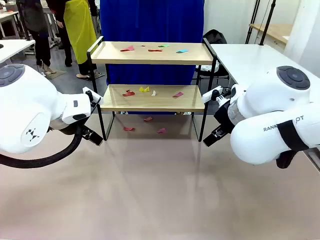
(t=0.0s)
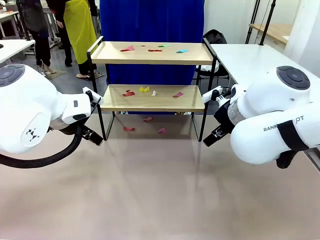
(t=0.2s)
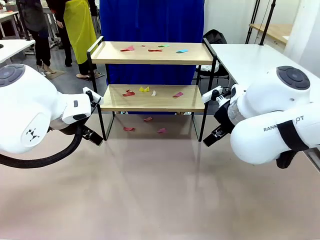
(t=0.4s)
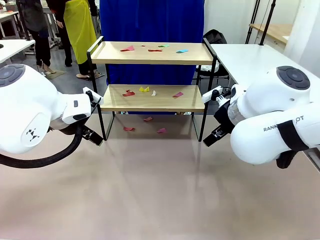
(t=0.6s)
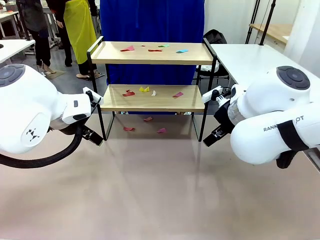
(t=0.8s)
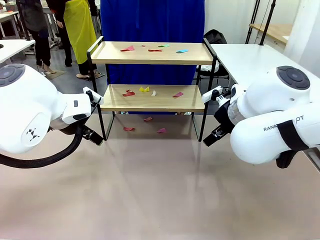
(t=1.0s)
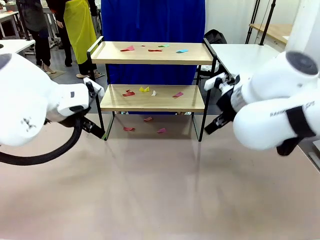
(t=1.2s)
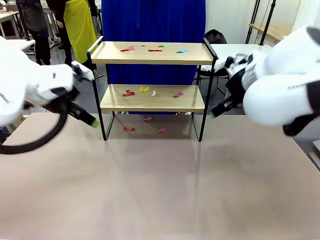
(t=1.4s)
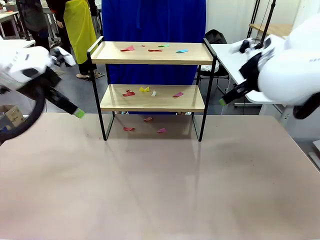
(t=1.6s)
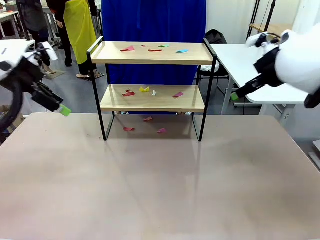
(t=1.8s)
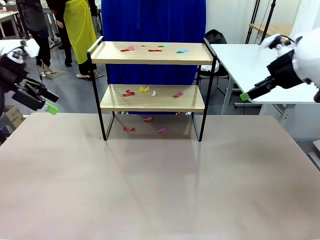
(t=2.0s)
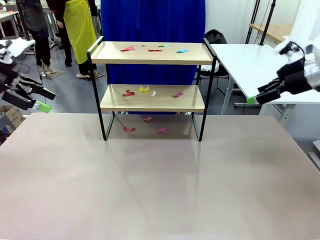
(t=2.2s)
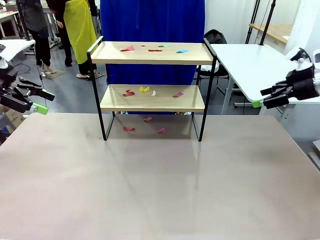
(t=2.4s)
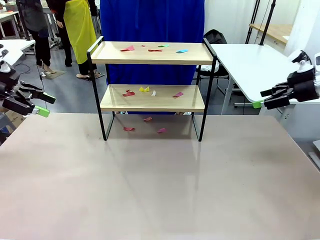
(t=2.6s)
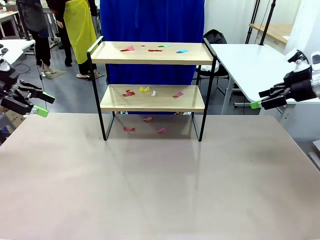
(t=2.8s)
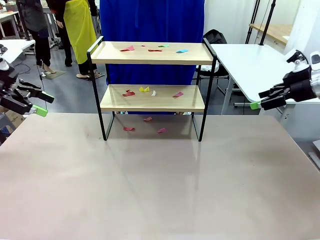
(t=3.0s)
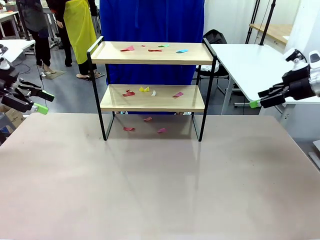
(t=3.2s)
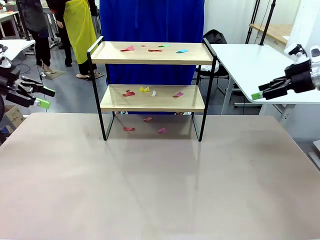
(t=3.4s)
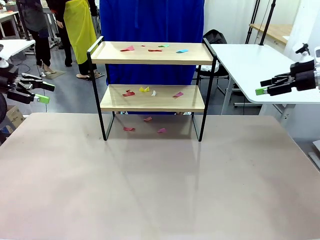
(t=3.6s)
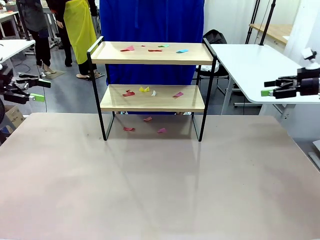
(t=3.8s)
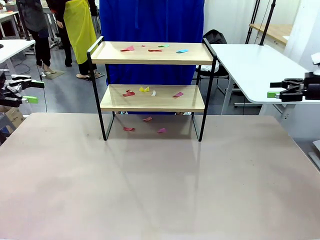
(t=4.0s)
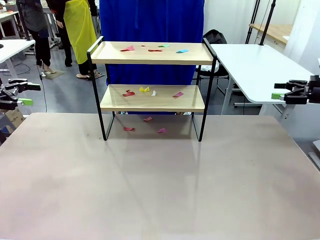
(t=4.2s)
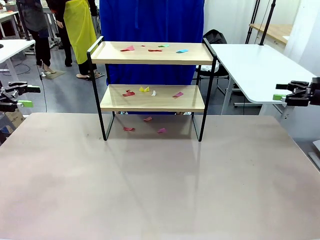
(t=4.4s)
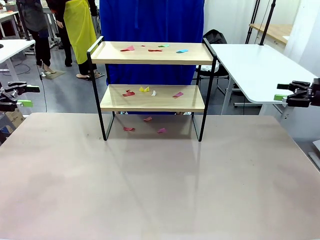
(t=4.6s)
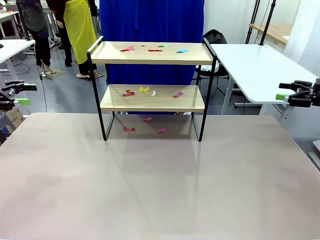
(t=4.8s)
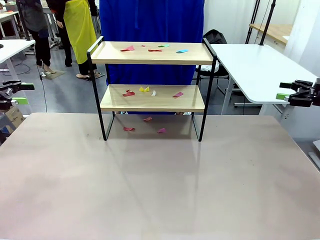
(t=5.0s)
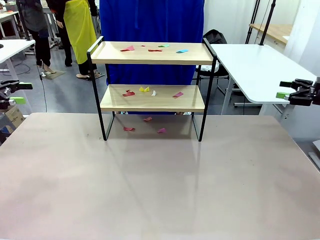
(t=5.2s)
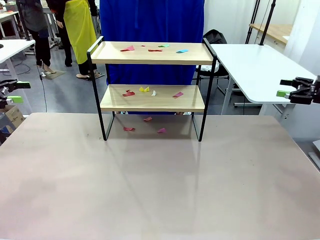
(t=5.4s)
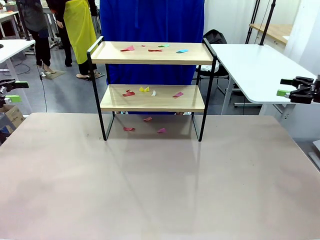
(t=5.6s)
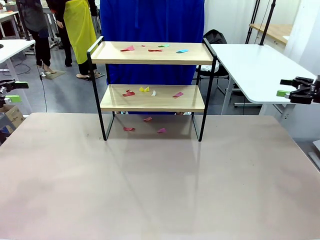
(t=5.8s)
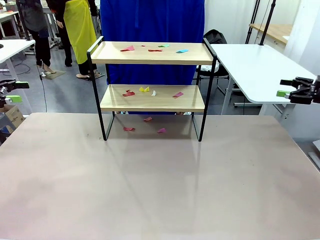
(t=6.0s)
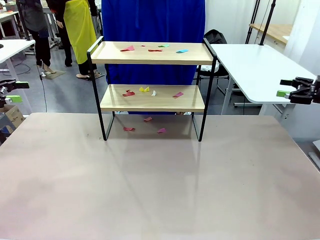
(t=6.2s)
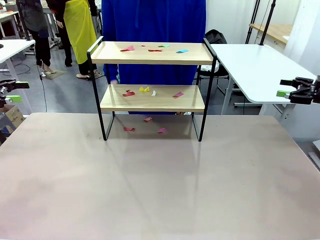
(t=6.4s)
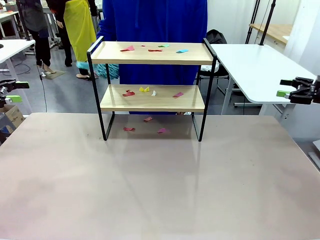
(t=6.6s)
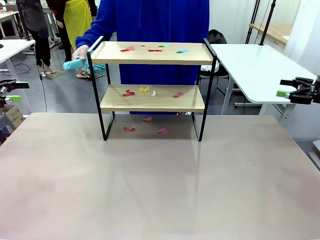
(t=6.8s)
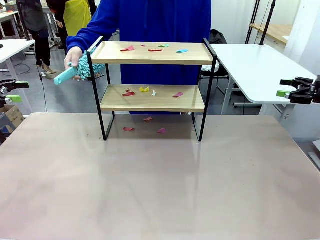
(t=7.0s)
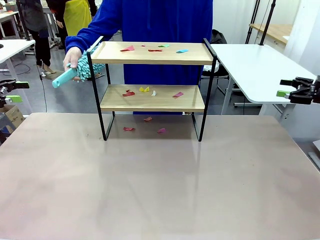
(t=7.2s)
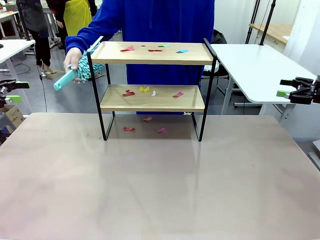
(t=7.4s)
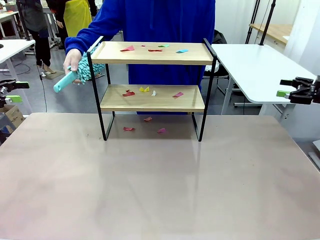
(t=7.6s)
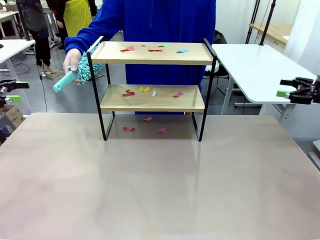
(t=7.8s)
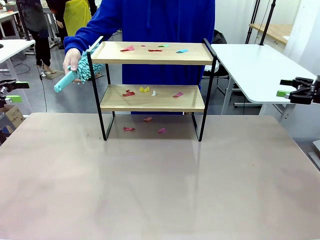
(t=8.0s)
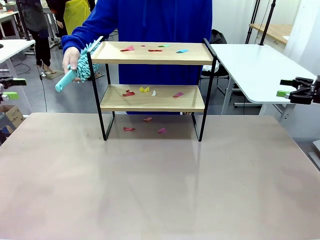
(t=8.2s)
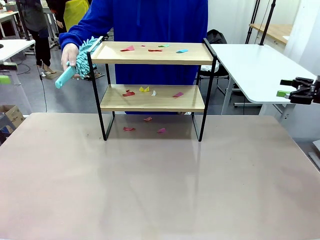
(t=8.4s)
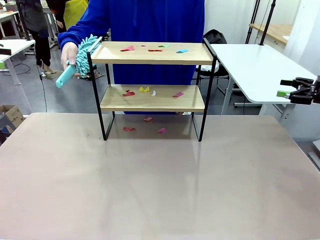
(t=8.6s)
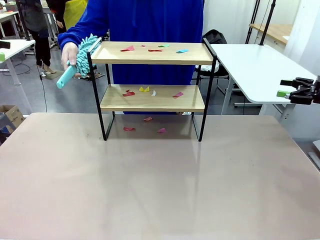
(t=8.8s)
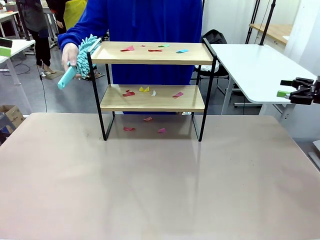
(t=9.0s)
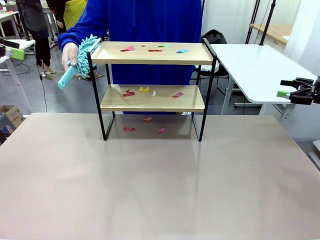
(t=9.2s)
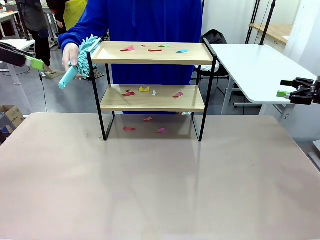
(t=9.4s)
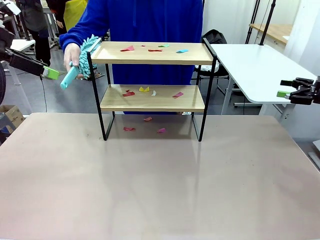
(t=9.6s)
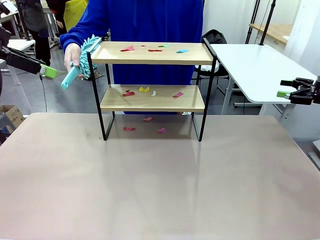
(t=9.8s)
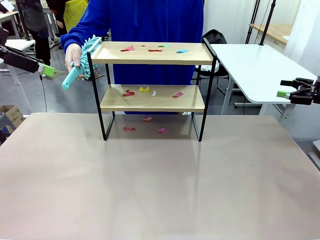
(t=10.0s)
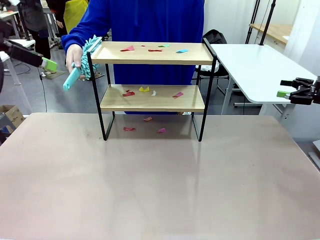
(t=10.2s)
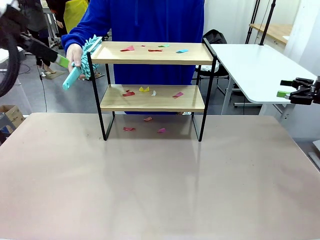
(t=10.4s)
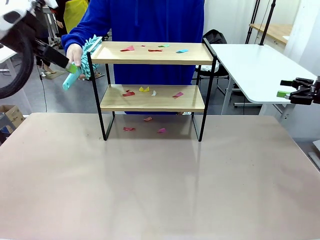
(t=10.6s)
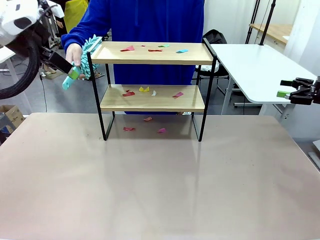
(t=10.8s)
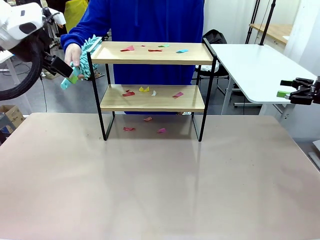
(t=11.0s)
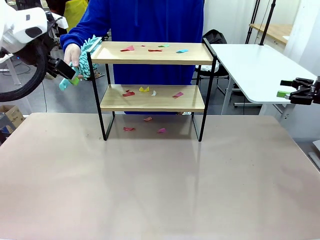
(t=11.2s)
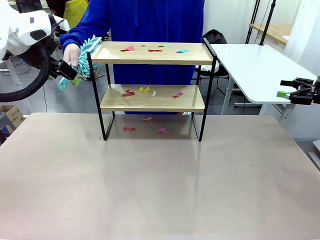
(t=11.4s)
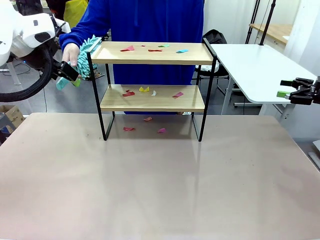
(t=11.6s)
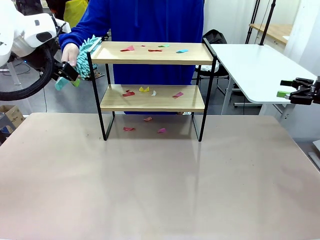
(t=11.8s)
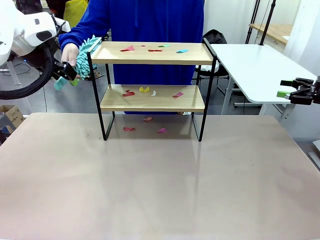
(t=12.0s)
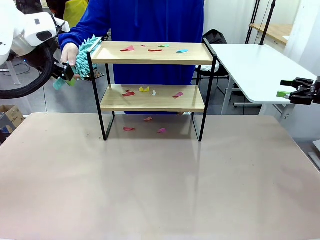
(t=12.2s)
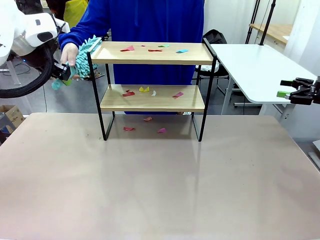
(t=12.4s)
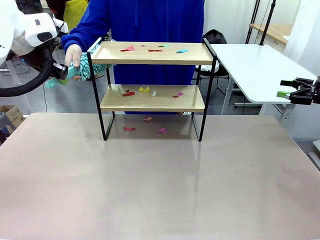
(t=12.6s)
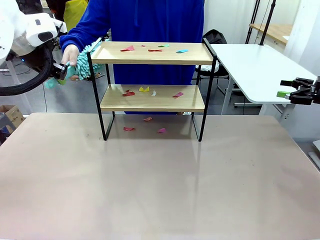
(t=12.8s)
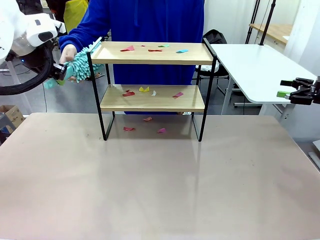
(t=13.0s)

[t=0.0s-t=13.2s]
Task: Clean the shelf.
Robot: Pick up the Duster handed by the human.
Person: Hand the Duster to the robot.

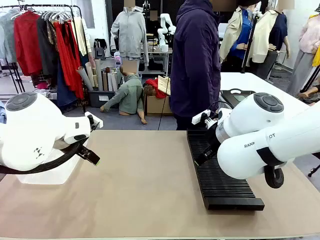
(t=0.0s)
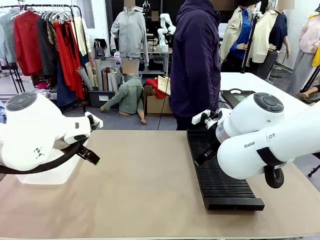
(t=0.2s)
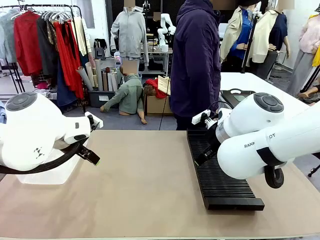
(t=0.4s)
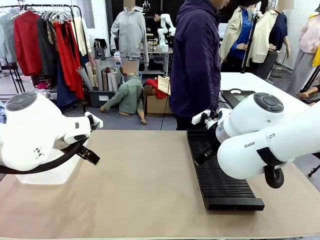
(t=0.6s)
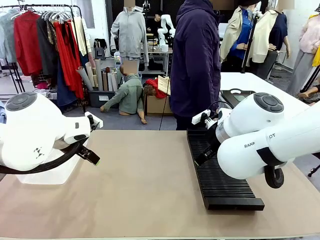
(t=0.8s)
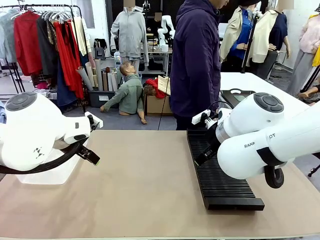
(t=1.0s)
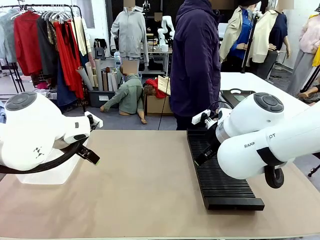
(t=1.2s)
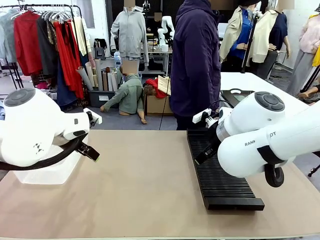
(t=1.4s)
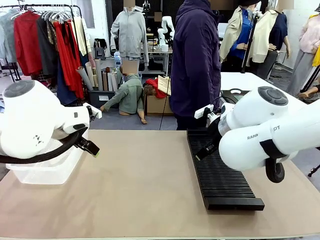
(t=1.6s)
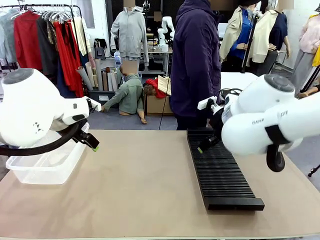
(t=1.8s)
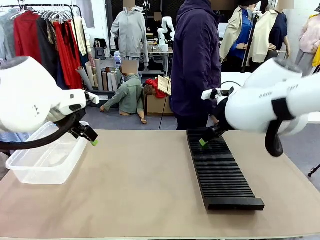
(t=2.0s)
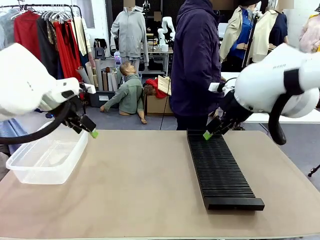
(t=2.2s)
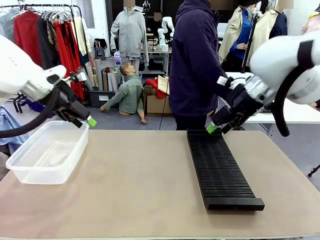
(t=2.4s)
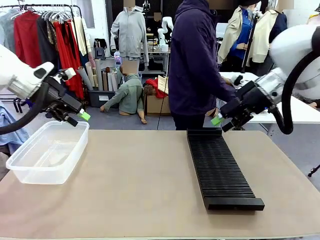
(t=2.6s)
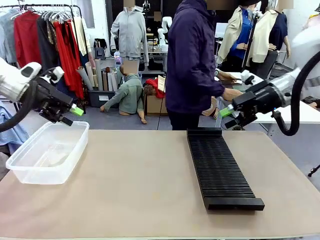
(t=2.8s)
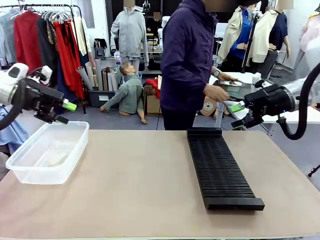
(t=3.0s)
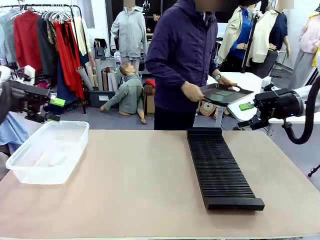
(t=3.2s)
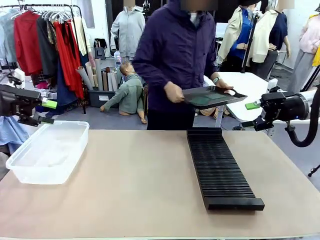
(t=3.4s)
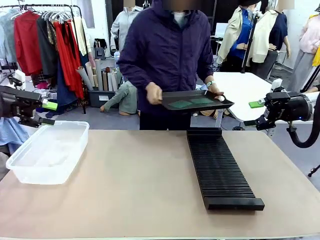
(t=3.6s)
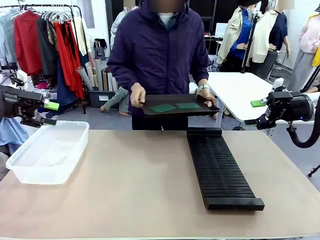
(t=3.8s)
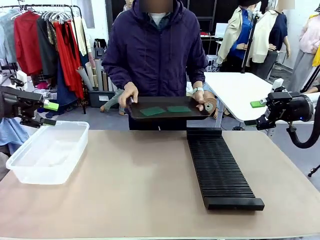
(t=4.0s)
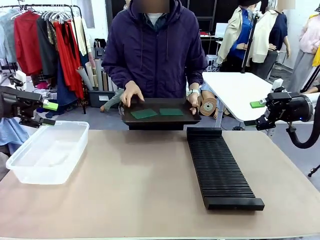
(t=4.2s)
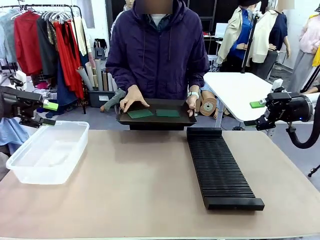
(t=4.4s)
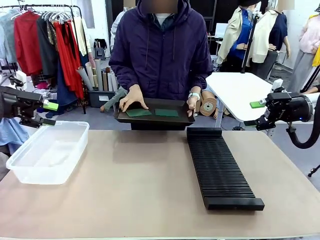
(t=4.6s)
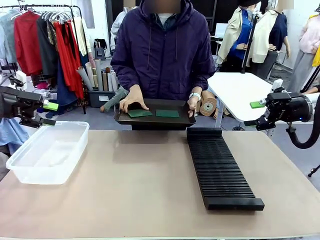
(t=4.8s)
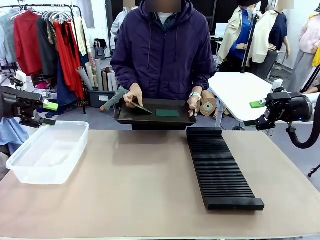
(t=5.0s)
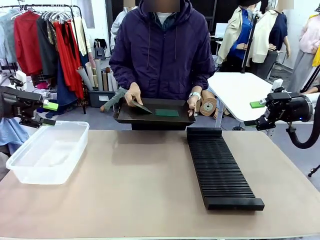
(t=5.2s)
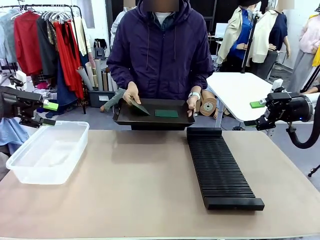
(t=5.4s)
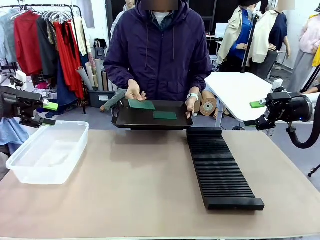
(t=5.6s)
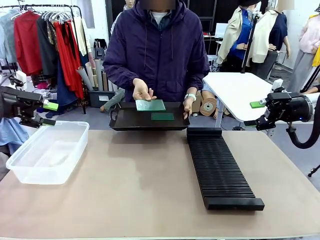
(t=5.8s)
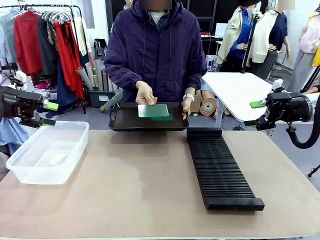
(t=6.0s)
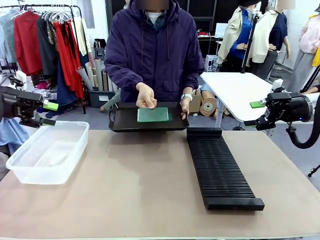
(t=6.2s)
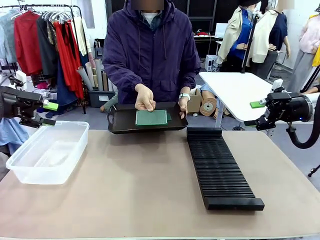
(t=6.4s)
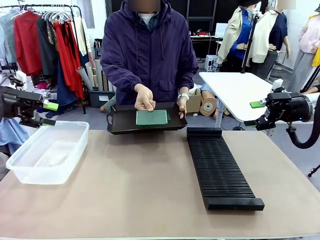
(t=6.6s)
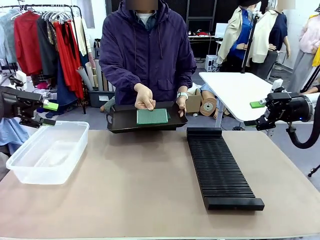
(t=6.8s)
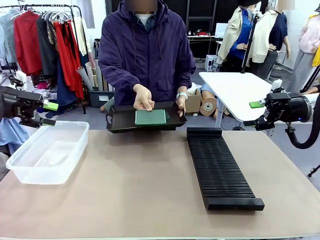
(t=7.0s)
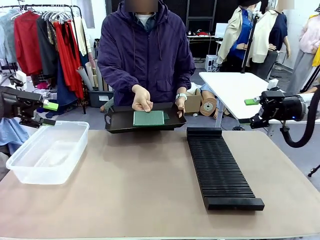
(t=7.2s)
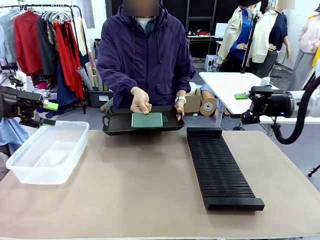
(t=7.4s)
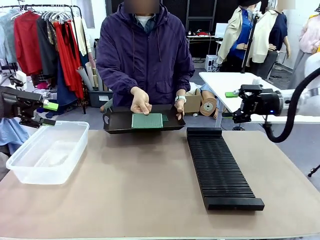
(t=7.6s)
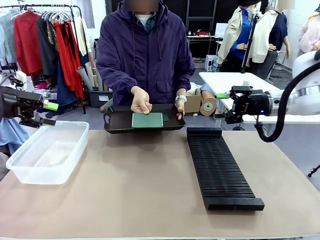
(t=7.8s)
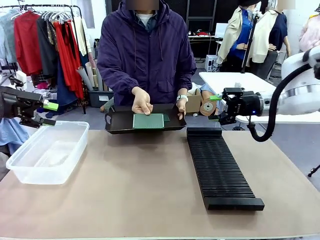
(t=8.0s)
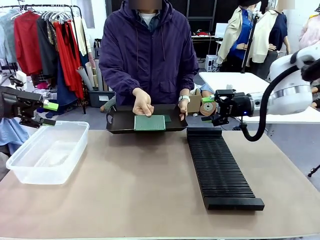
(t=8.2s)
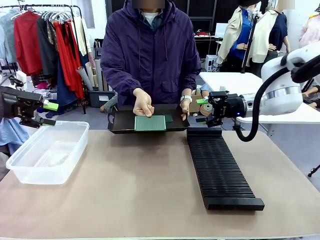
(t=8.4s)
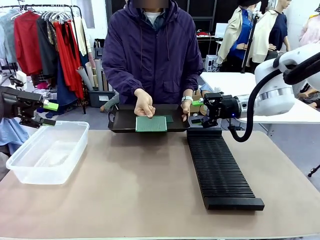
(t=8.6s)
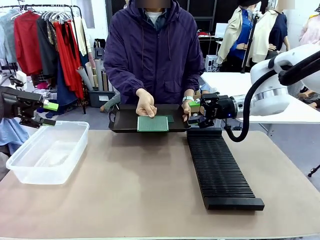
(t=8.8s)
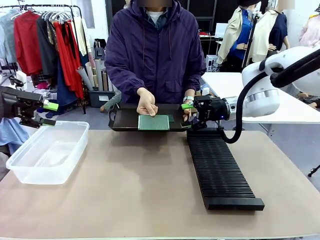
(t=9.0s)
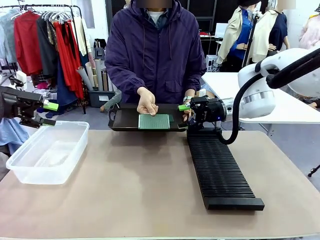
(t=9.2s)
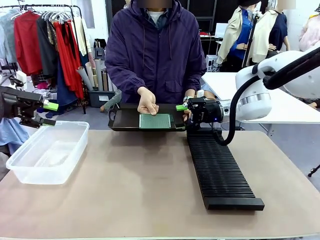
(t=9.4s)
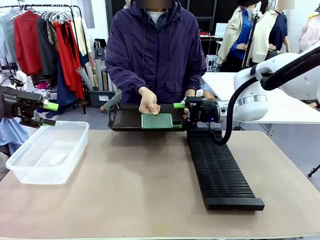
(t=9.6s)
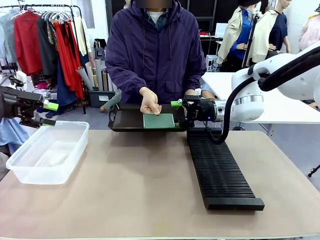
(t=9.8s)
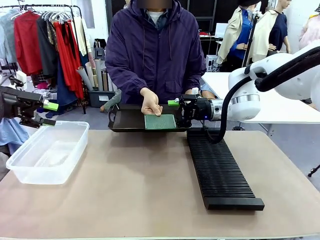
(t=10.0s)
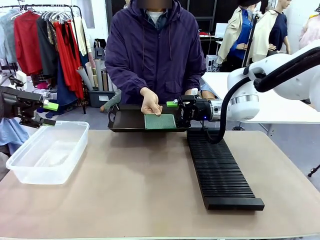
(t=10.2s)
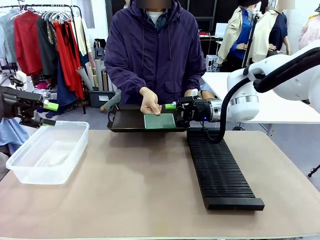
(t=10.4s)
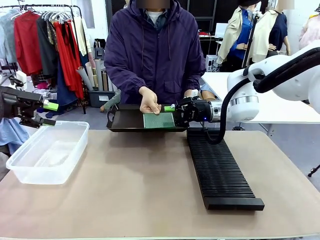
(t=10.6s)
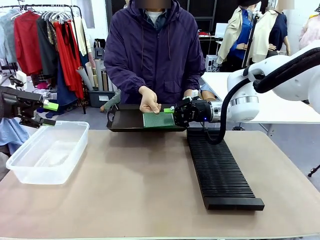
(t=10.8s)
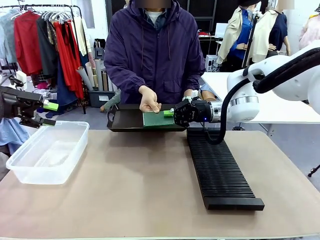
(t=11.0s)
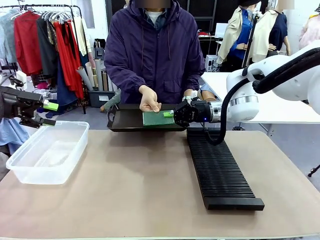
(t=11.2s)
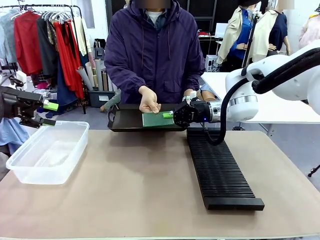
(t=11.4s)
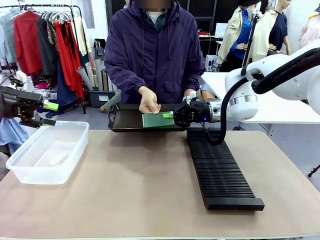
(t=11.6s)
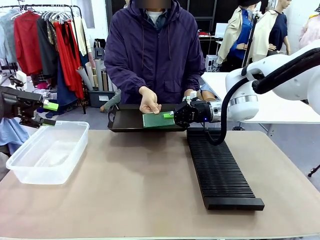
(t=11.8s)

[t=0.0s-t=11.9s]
Task: Sort PCBs into racks and boxes based on the side picked up.
Robot: Pick up the Blank PCB handed by the Human.
Person: Pick one PCB from the tray and present it to the robot. Release the PCB being held.
